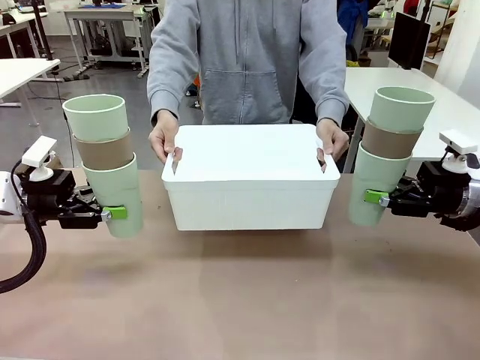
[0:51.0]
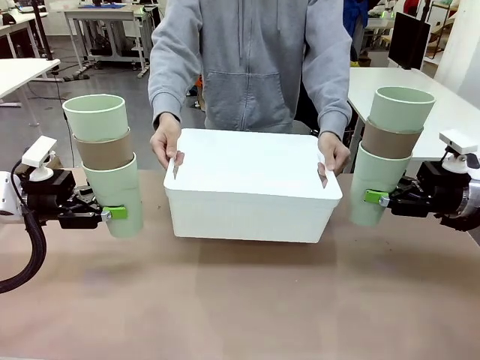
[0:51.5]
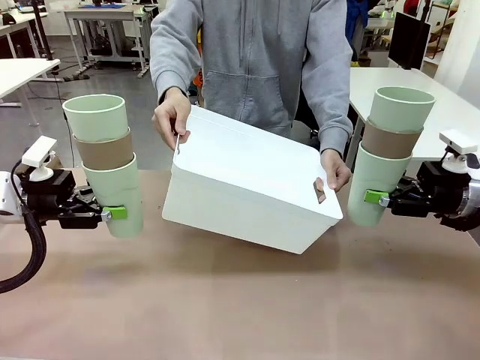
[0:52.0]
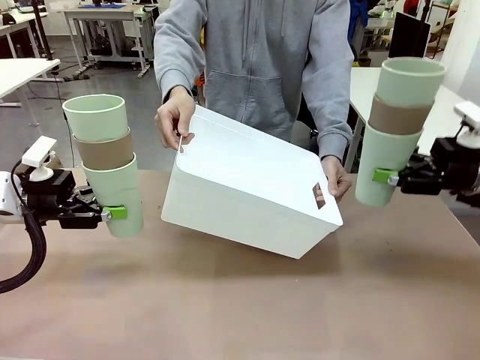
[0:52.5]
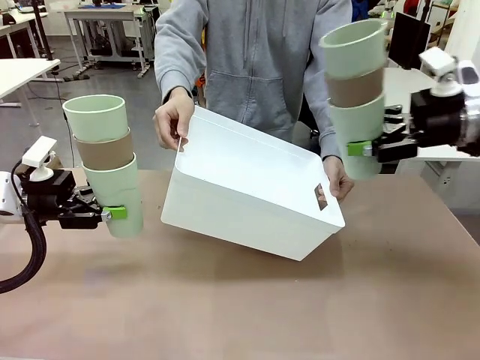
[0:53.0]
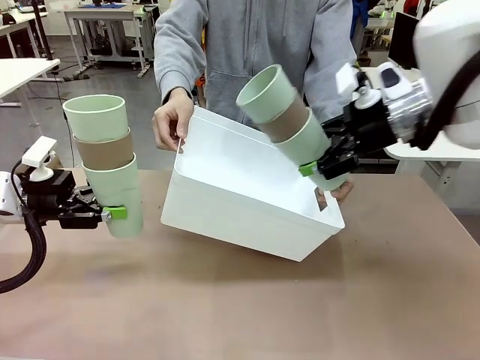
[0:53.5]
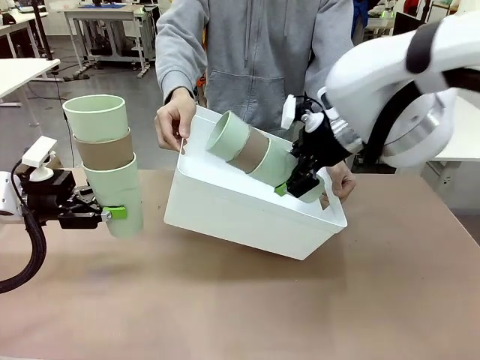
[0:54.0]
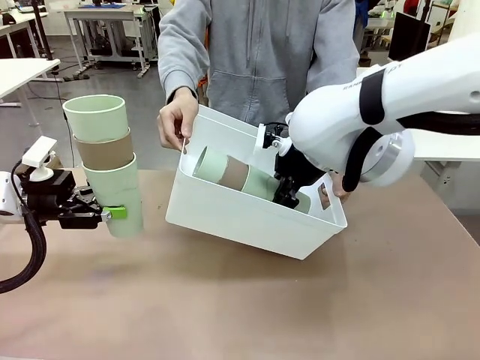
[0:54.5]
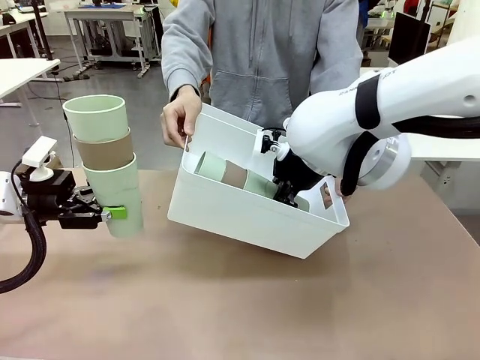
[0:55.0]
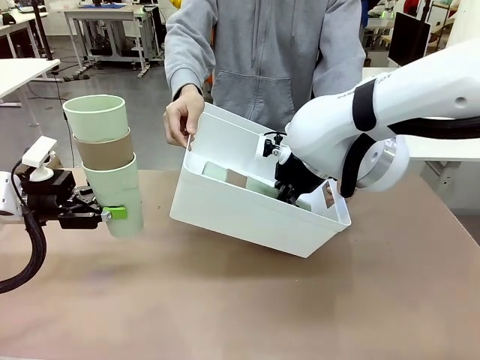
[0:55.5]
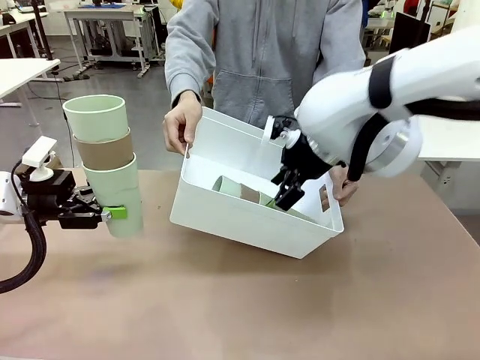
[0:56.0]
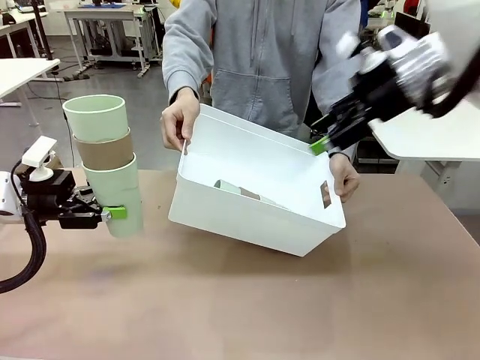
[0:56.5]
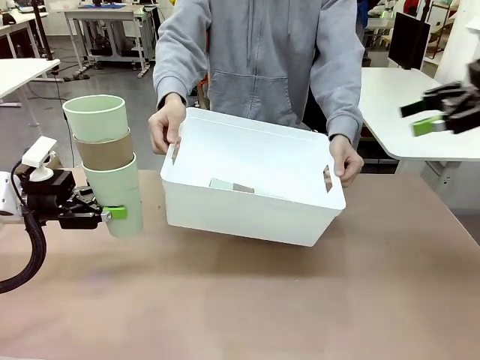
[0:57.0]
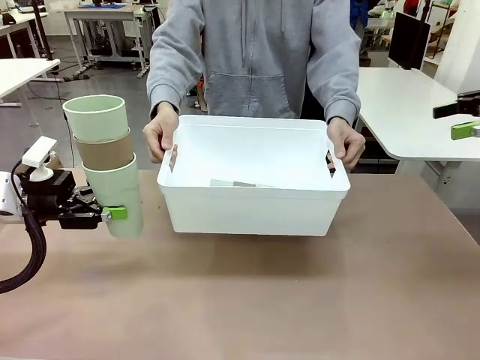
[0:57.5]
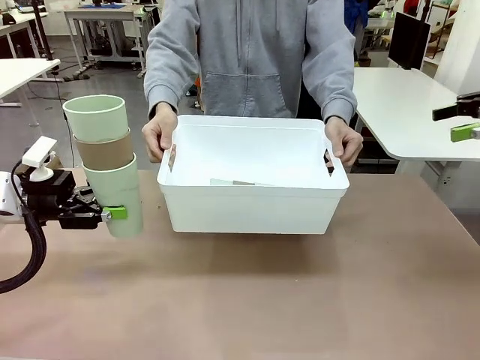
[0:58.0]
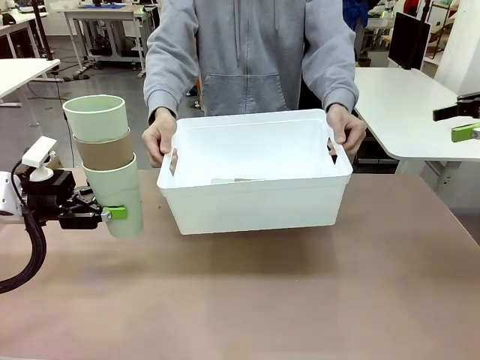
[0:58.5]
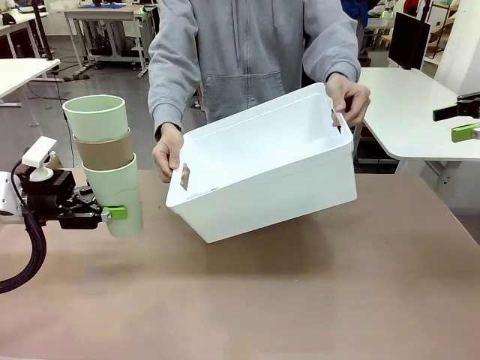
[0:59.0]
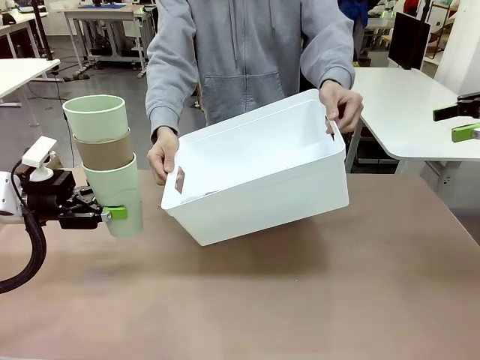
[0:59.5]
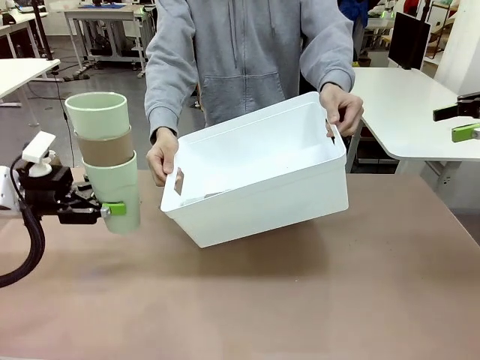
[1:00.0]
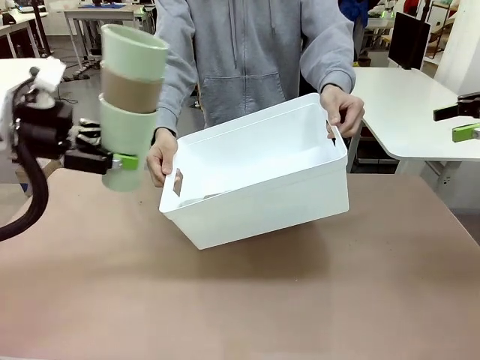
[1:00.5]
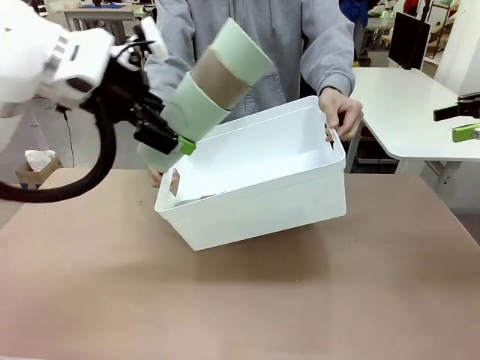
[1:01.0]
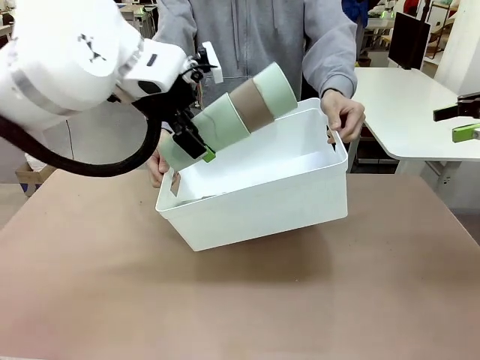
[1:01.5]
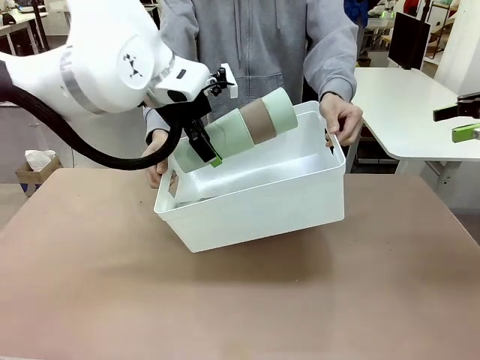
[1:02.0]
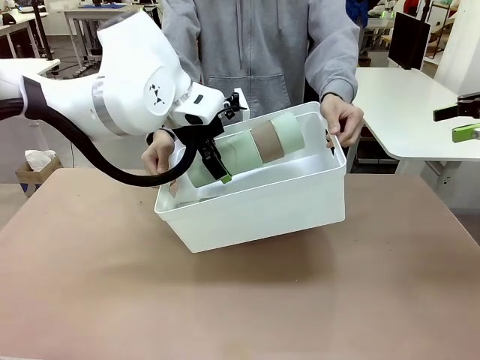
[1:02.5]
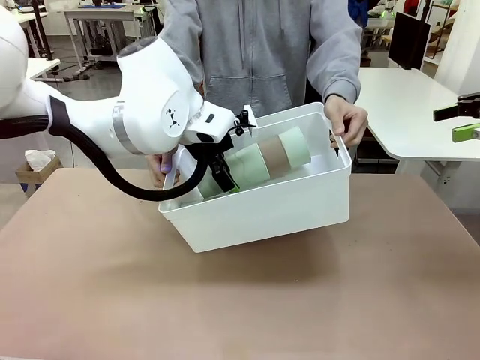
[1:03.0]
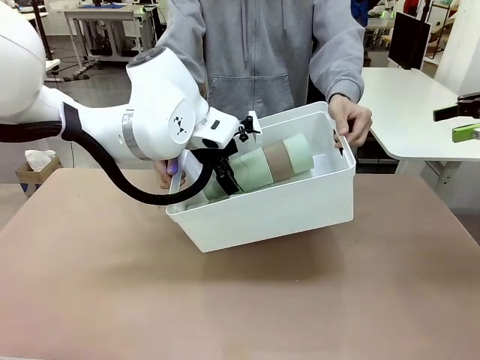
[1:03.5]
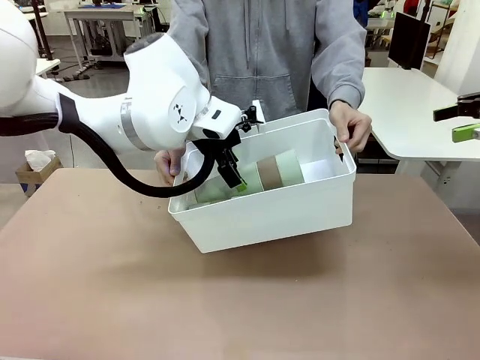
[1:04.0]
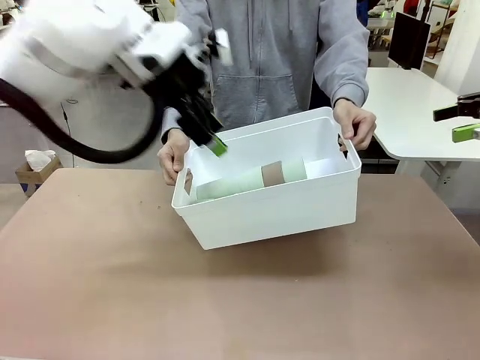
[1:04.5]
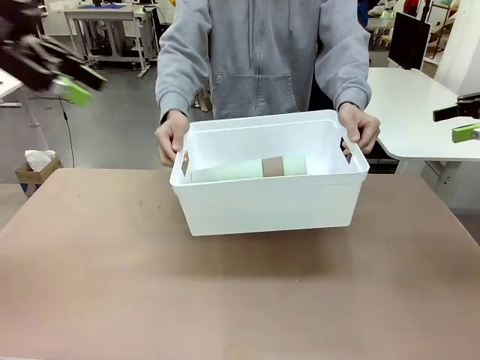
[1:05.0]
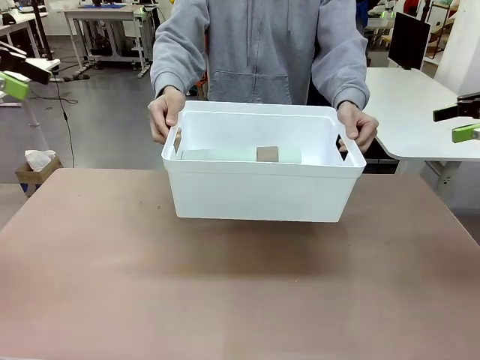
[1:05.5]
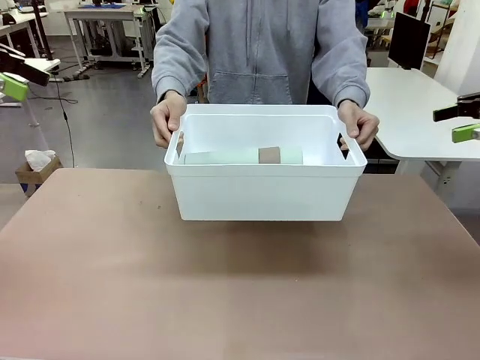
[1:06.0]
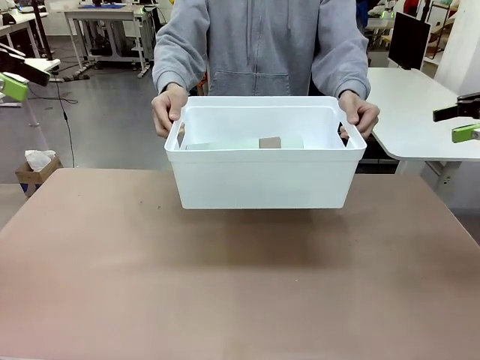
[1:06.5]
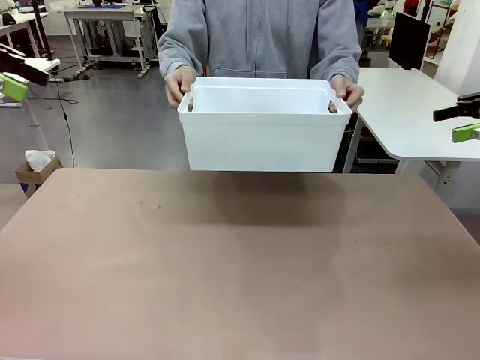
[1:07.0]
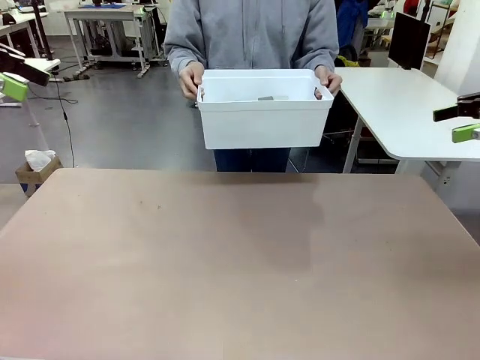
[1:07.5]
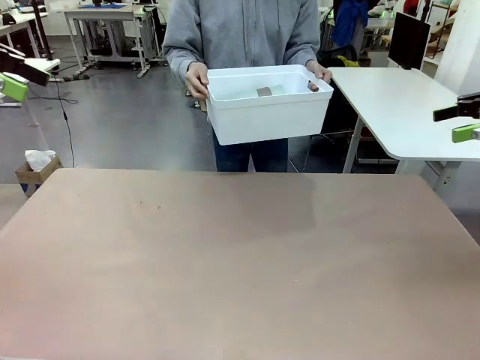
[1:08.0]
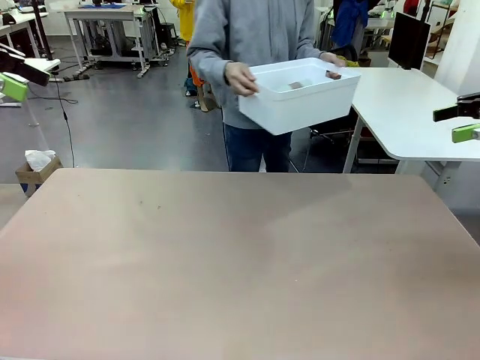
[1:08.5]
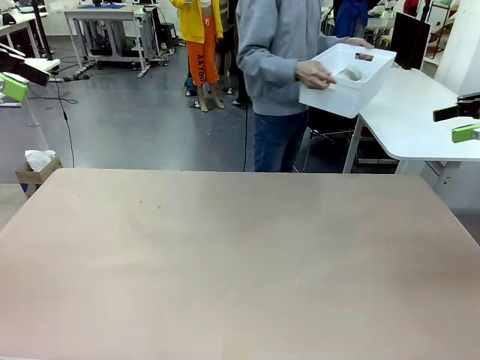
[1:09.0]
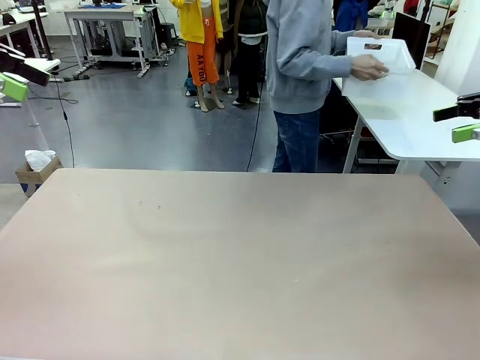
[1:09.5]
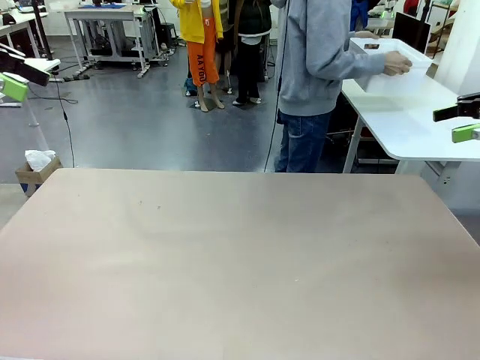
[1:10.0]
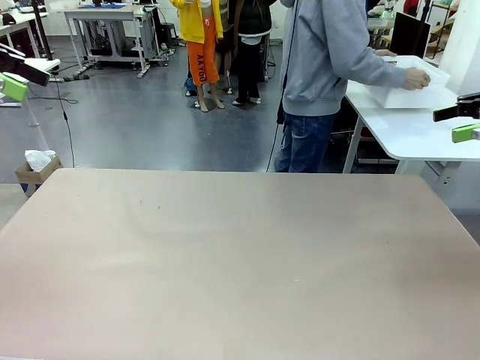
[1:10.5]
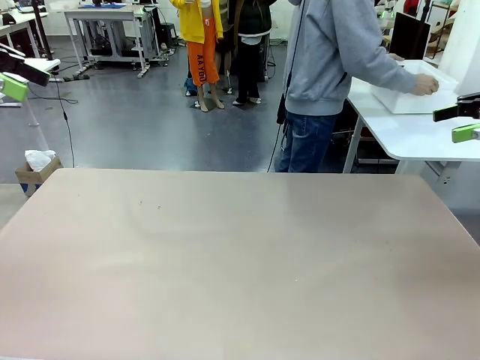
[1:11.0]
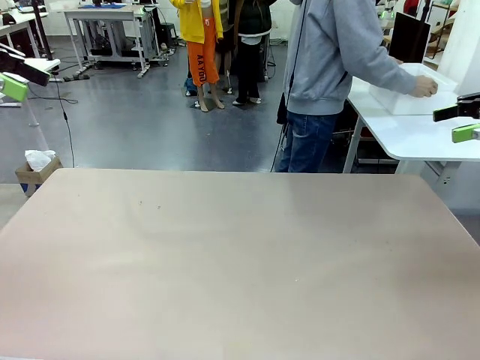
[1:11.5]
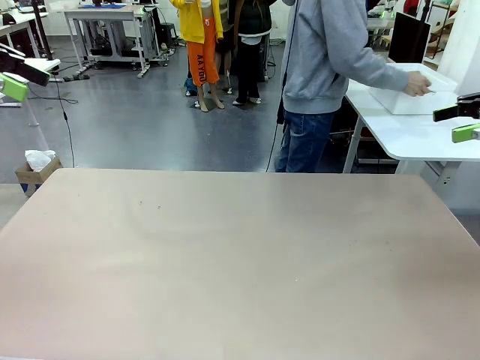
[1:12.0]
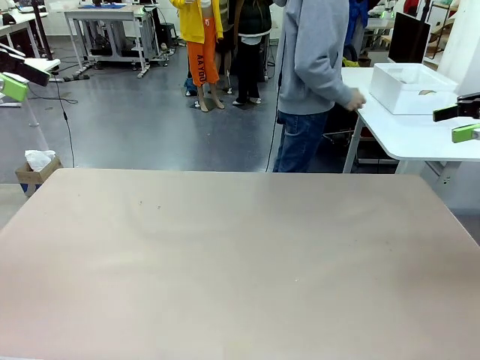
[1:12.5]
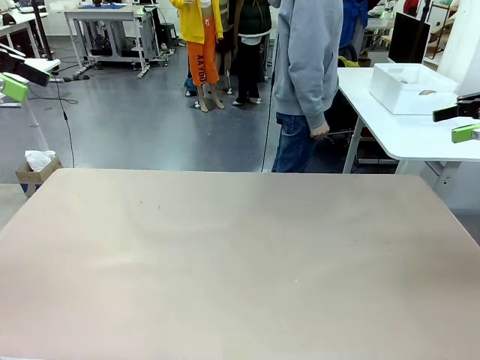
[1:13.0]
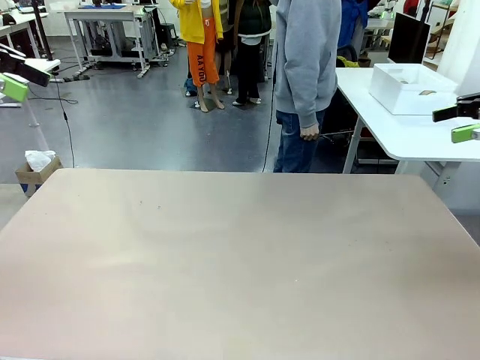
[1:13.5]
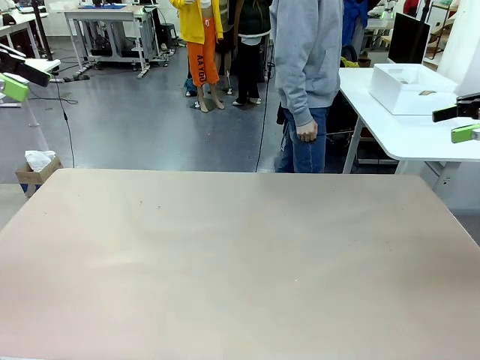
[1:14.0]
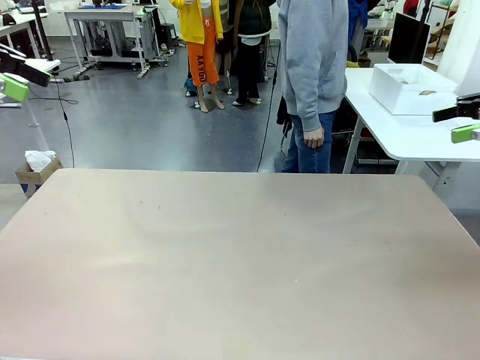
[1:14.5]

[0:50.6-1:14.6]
Task: Stack the cups and store them in the basket.
Robot: Place the stack of Reusable plastic cups into the Pantry Basket.
Person: Place the basket containing the cups in the middle of the Human Table.

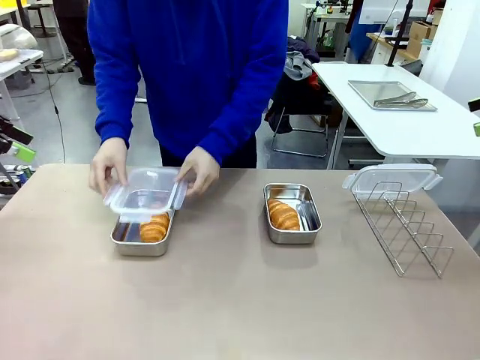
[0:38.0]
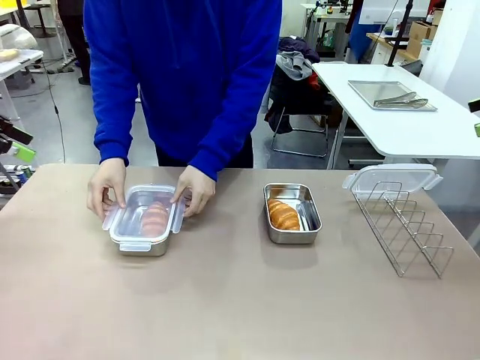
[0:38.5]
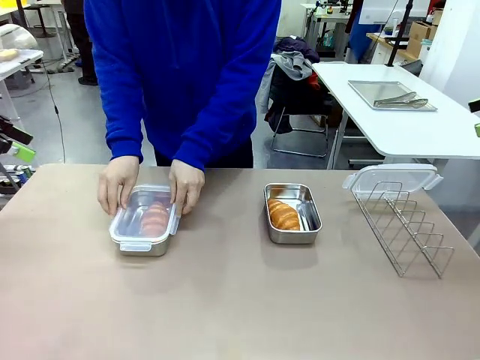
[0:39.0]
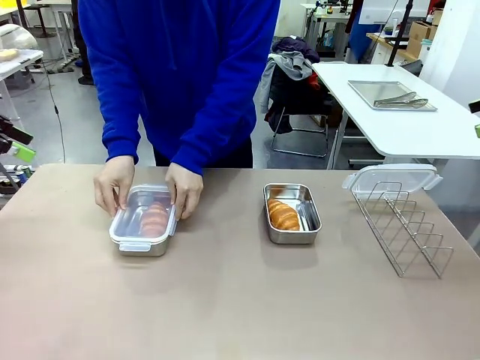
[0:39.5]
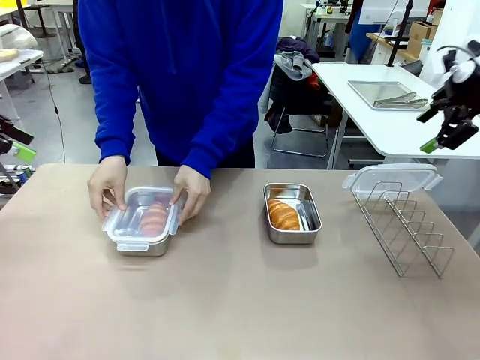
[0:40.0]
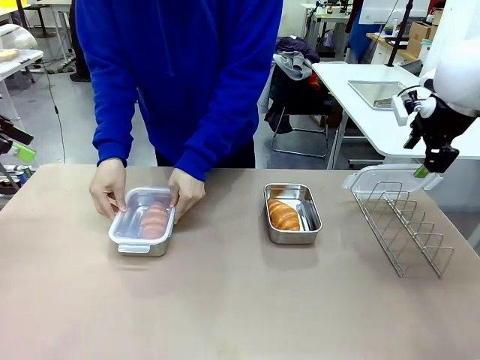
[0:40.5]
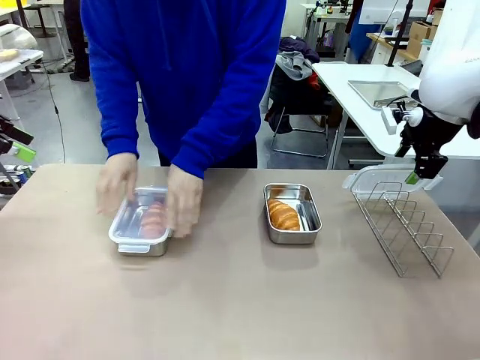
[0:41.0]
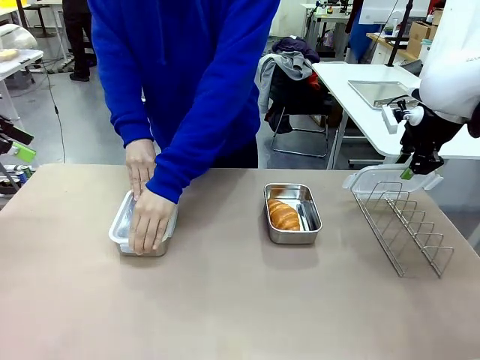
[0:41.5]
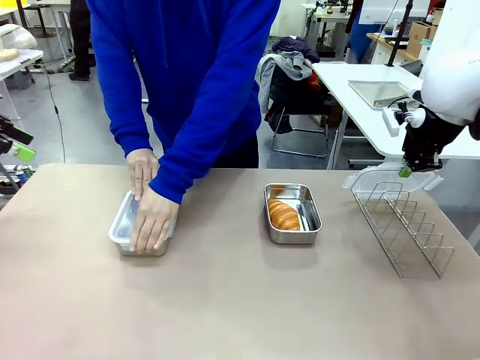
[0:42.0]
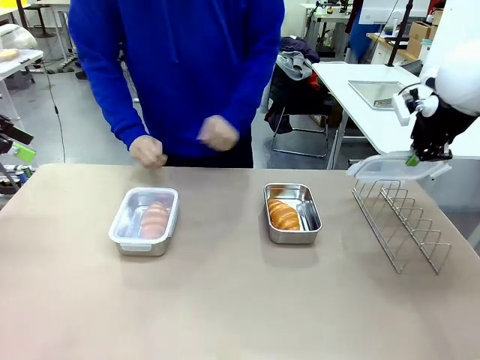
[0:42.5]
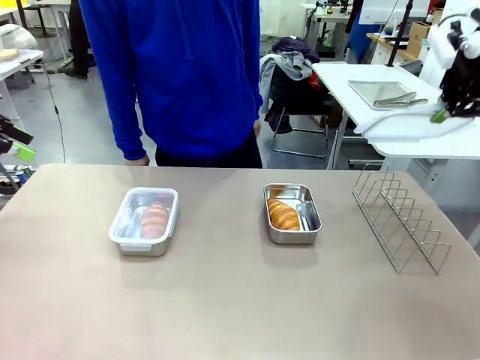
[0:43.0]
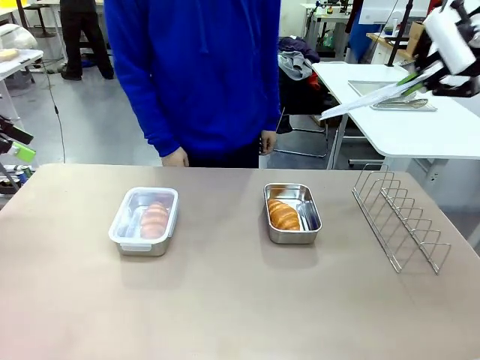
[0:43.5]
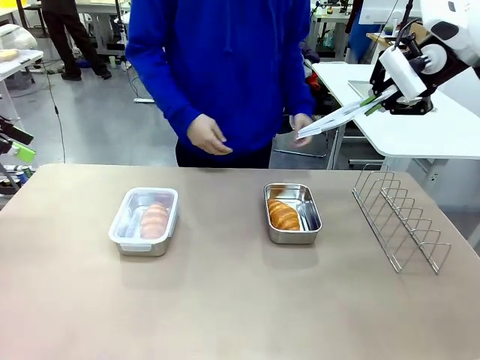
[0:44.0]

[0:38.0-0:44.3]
Task: Place the bread in airtight containers.
Robot: Pick up one Airtight Container lid and hand it to the human.
Person: Close Airtight Container with a handed Airtight Container lid. Grip Airtight Container lid that robot is handing.
